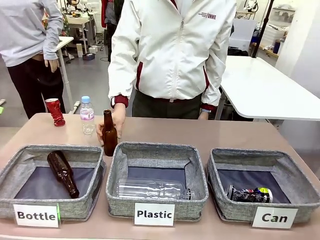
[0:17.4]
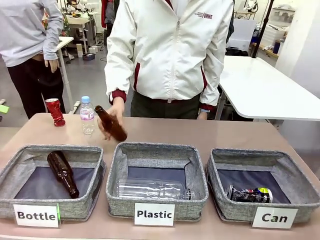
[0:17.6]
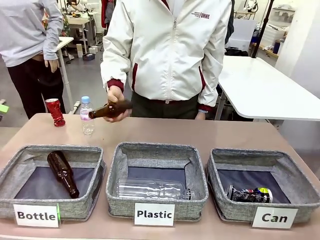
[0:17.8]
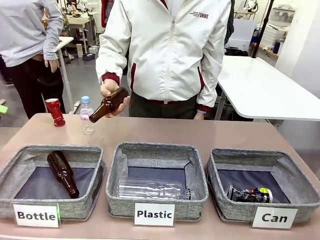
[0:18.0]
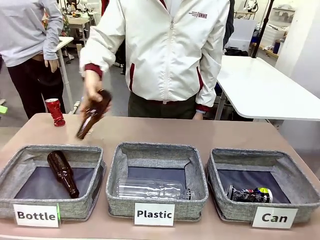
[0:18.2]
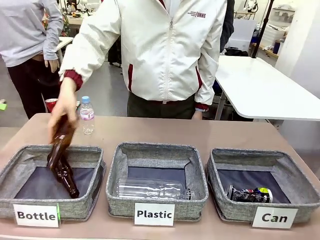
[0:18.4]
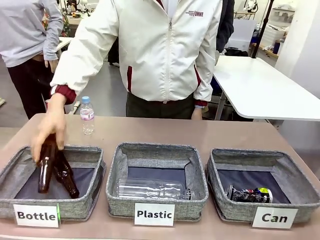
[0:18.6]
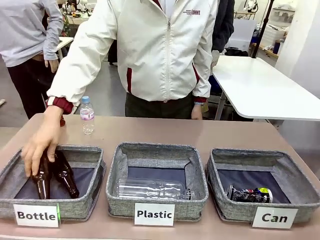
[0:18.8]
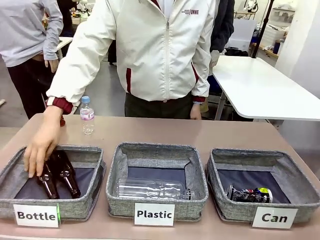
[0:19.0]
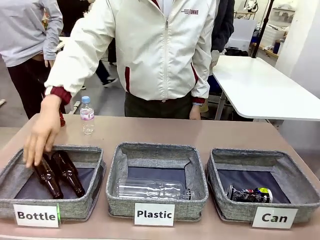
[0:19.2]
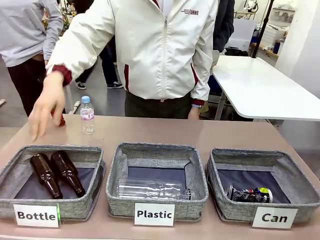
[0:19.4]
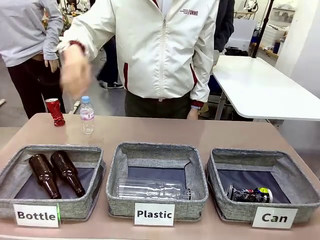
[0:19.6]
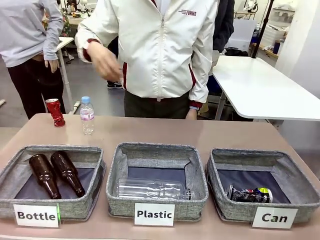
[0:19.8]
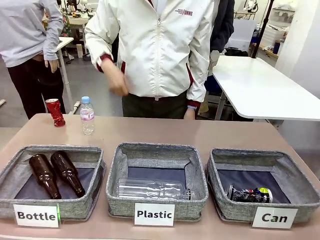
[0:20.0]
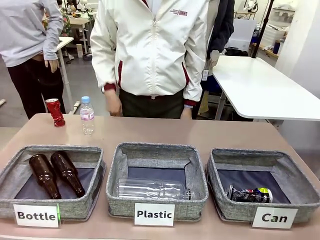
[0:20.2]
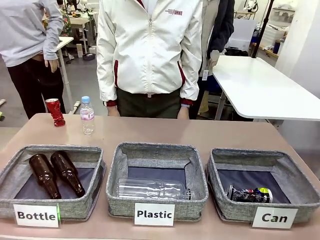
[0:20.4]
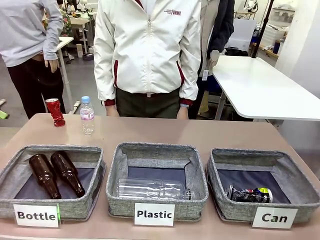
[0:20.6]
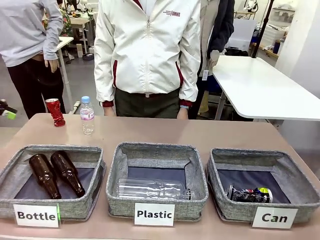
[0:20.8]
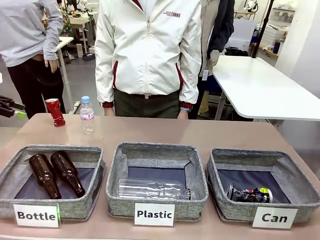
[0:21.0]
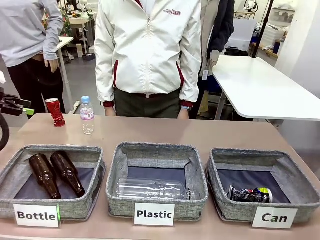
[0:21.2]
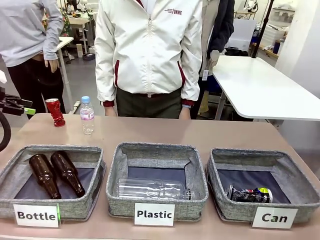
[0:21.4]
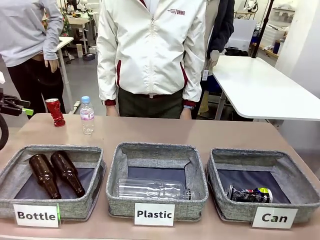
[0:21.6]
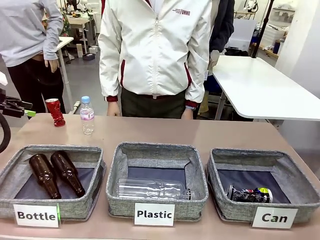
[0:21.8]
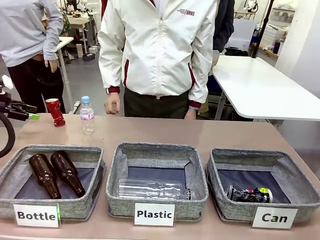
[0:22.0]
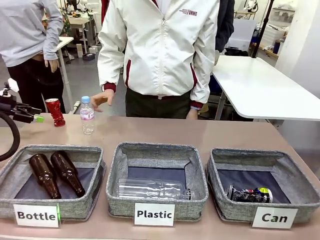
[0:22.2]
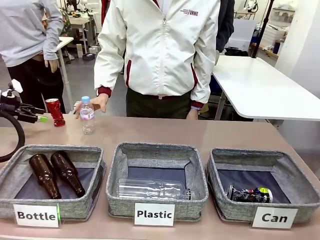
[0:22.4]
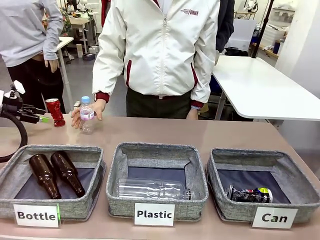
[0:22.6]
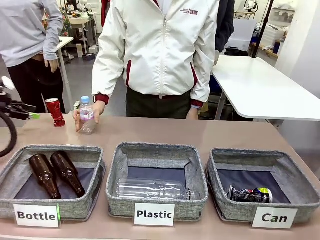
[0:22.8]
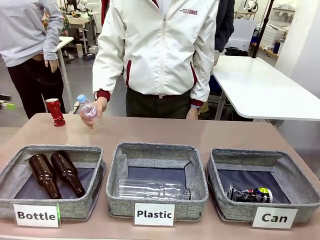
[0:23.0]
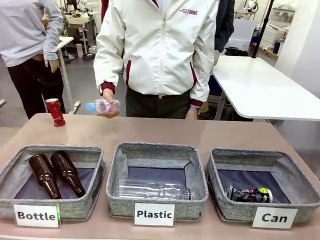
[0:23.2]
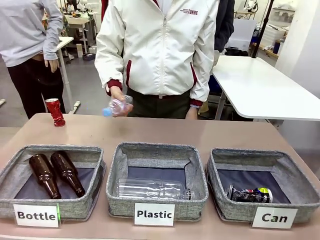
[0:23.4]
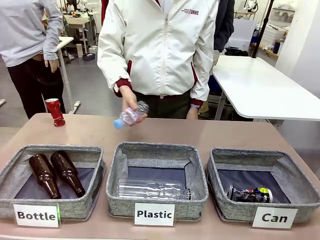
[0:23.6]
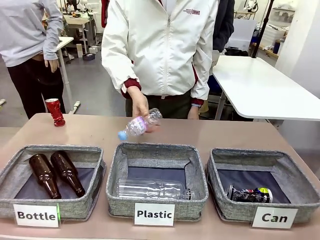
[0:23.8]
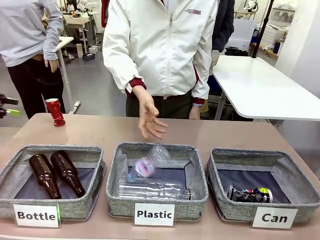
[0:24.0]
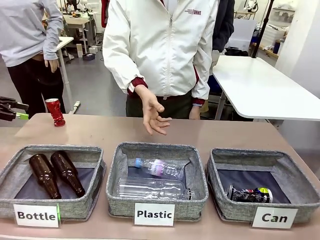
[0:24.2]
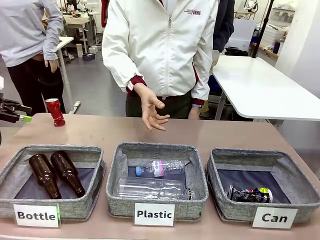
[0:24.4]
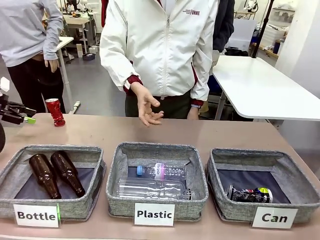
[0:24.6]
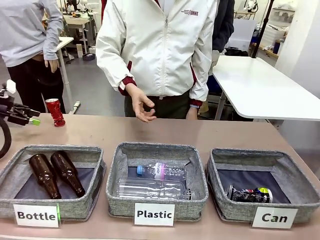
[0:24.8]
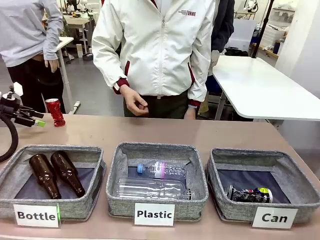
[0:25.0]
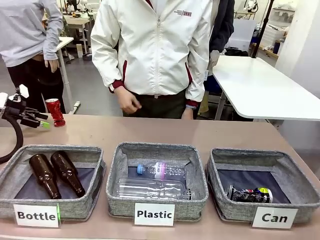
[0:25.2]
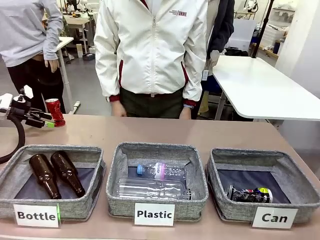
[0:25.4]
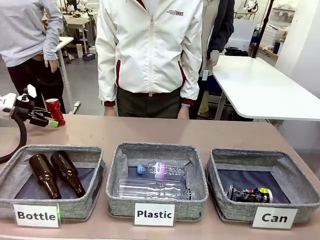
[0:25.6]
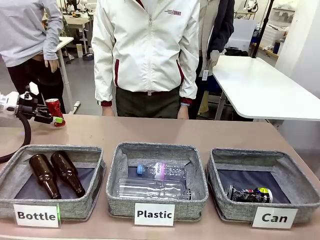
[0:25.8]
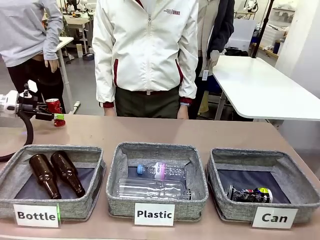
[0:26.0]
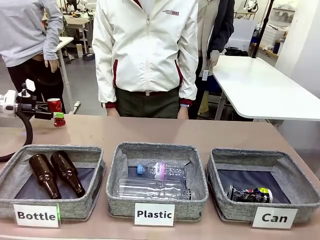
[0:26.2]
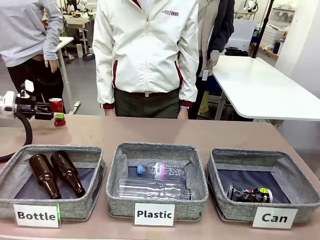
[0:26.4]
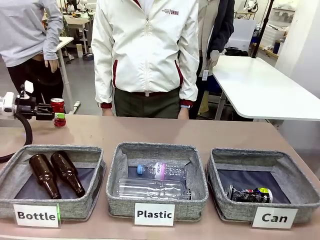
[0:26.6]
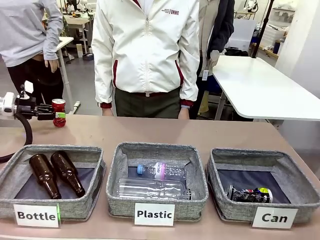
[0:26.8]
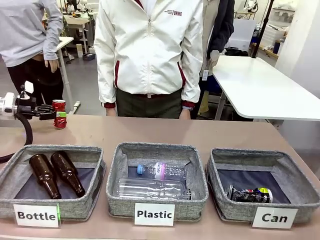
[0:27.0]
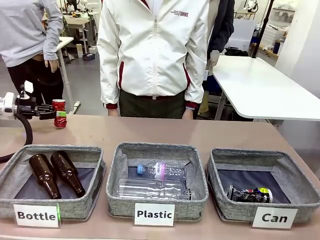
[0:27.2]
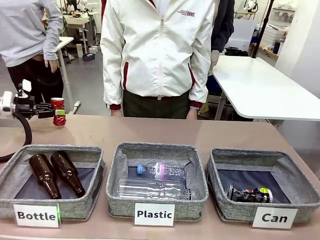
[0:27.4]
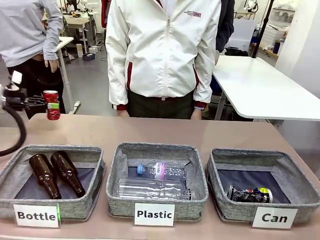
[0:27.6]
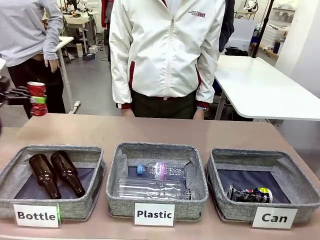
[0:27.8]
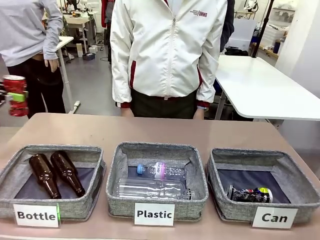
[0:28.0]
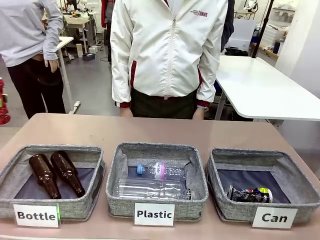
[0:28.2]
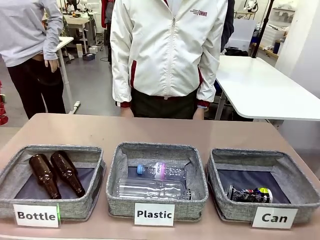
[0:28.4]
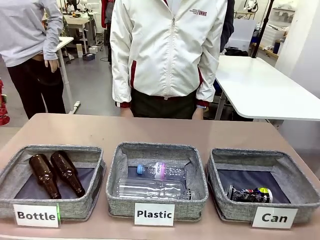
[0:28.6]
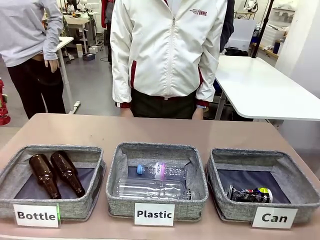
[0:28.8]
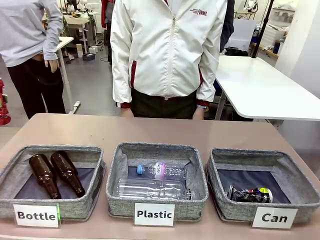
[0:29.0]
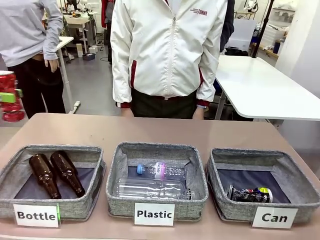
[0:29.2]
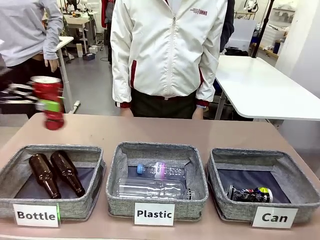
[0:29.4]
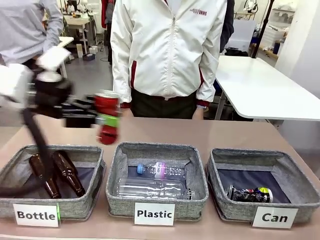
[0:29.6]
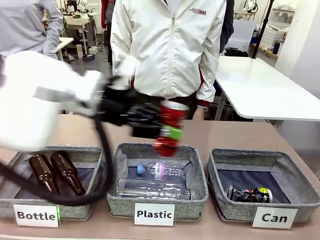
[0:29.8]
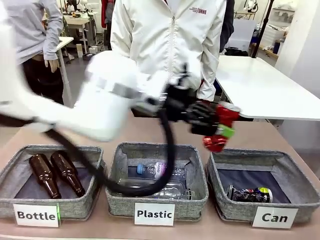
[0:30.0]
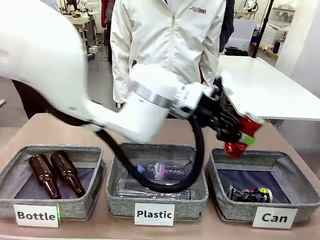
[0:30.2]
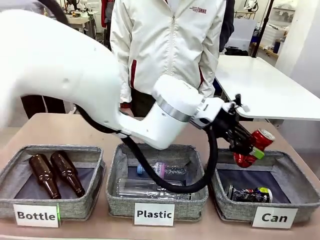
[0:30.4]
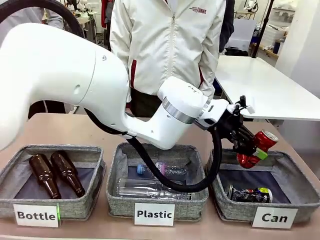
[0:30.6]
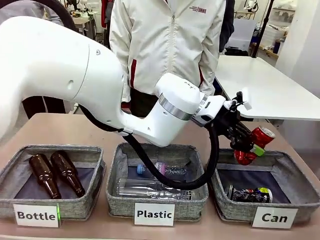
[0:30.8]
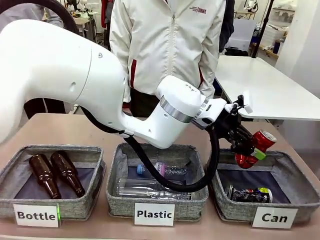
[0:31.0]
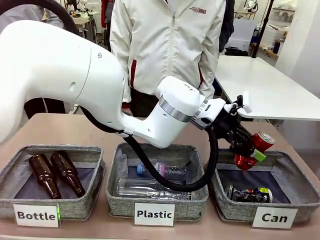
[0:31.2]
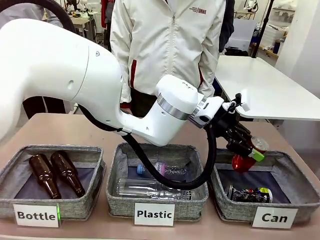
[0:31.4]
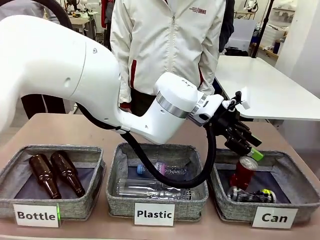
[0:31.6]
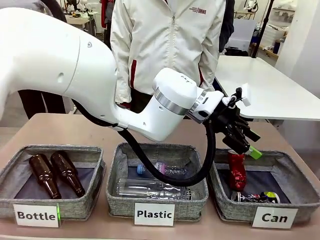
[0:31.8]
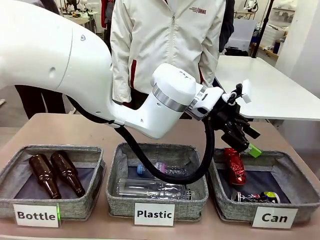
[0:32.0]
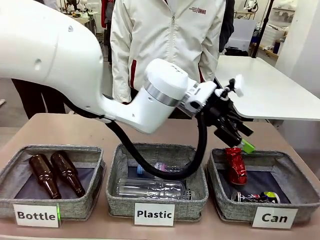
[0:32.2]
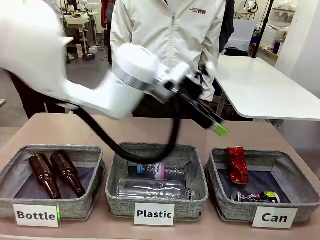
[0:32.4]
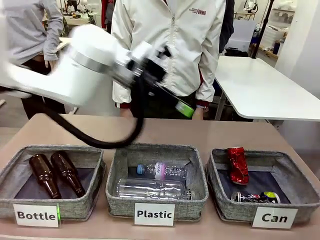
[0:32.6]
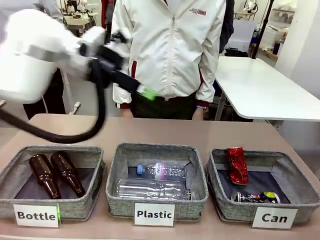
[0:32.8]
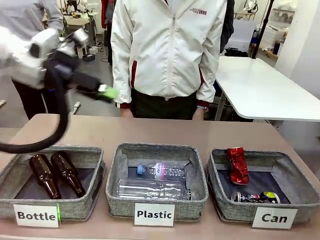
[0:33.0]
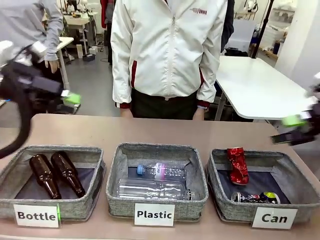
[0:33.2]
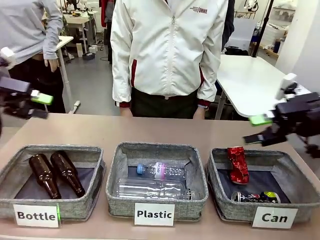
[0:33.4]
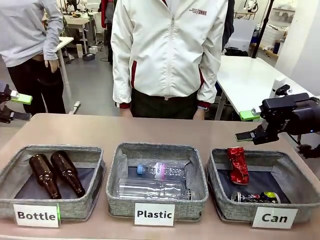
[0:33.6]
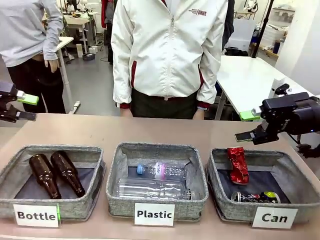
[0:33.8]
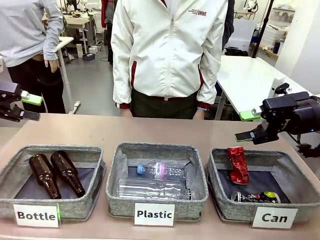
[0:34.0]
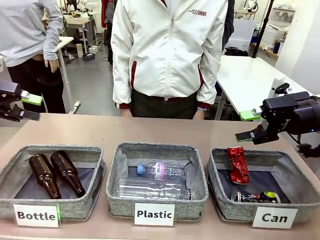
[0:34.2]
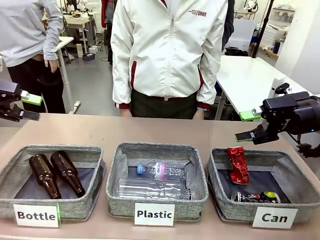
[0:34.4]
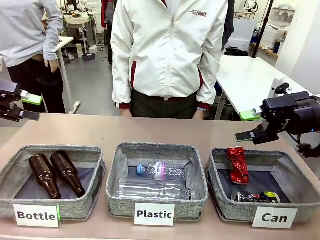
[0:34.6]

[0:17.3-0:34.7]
Task: Sort the can waste into the basket.
Robot: Pick up the can waste from the table and place it in the right Fabric basket.
Person: The human picks up one piece of trash that is not a can and places the trash into the appropriate organizing basket.
